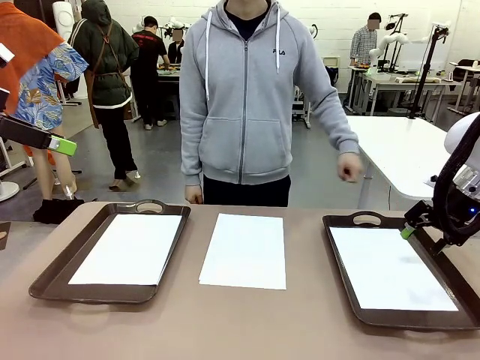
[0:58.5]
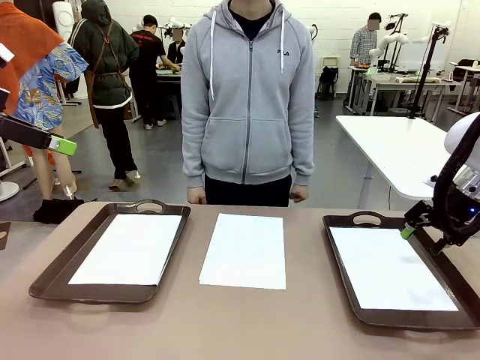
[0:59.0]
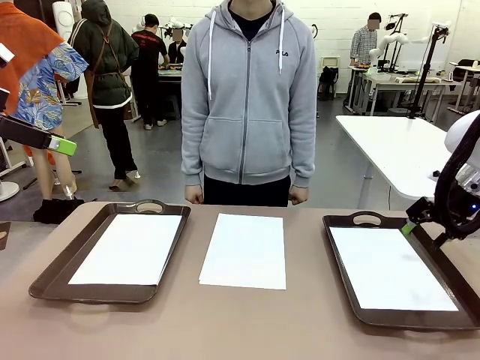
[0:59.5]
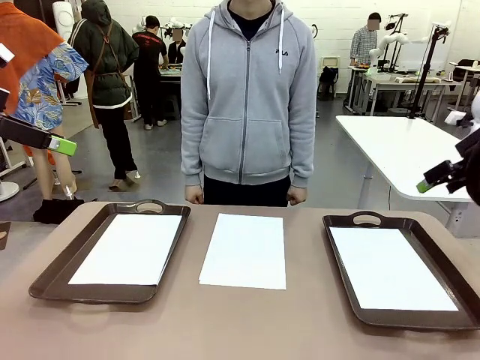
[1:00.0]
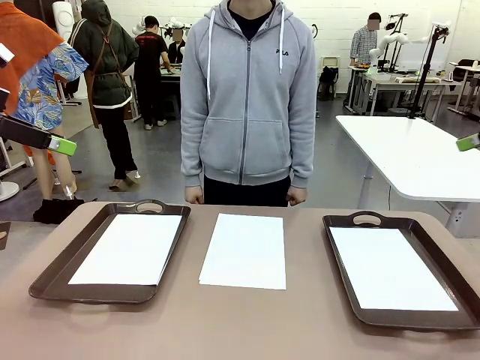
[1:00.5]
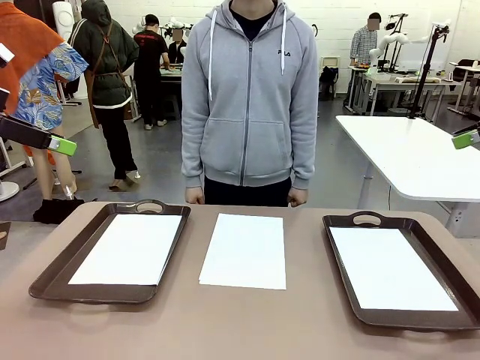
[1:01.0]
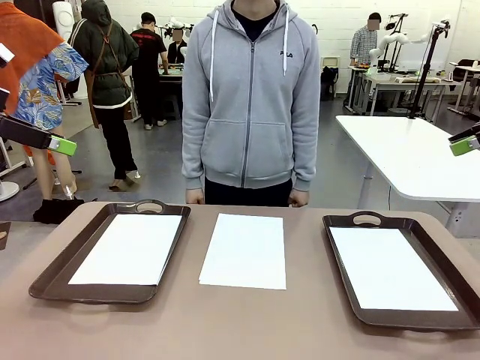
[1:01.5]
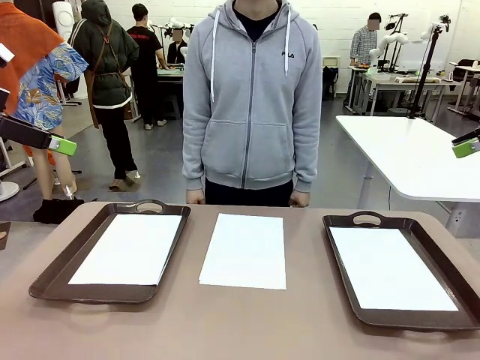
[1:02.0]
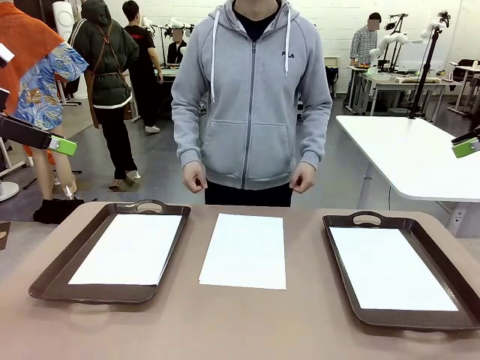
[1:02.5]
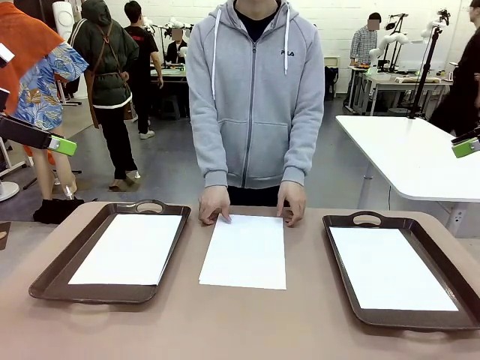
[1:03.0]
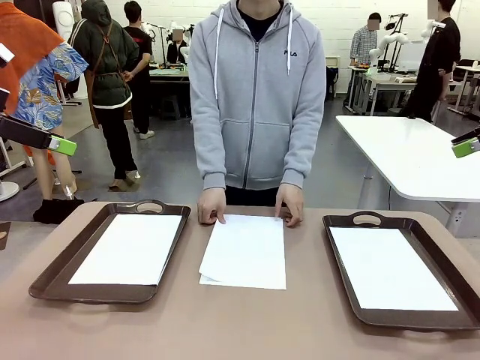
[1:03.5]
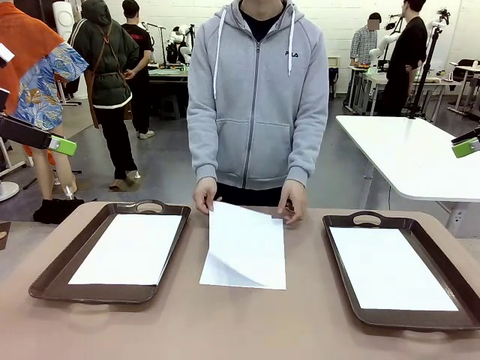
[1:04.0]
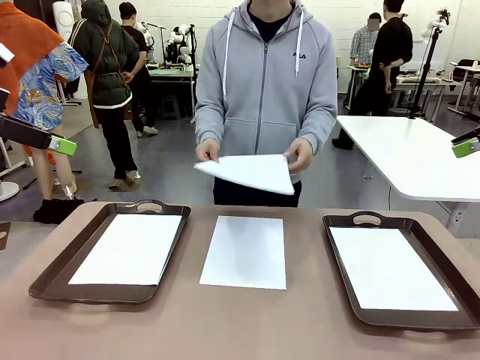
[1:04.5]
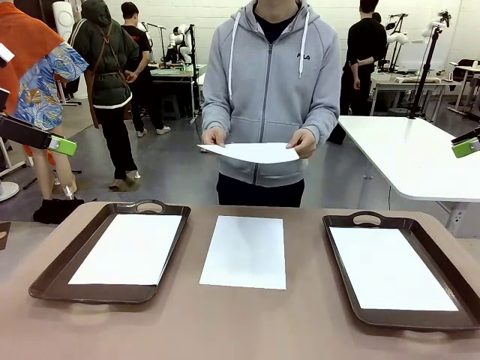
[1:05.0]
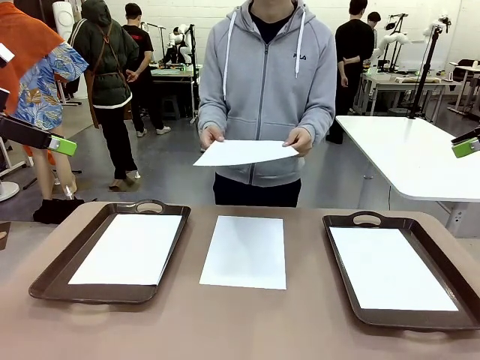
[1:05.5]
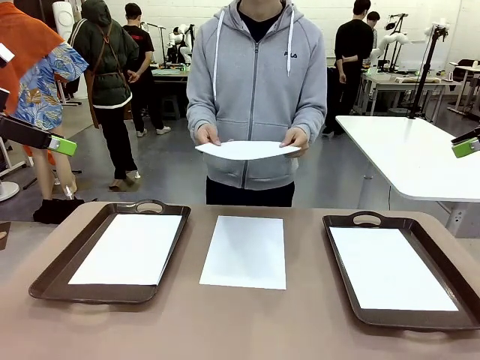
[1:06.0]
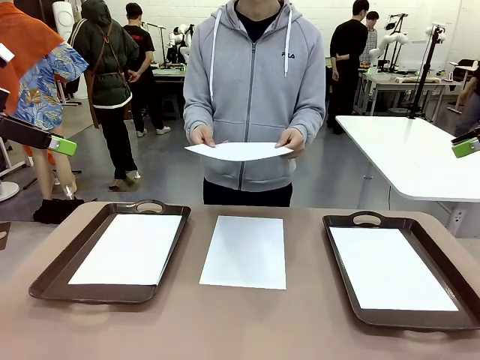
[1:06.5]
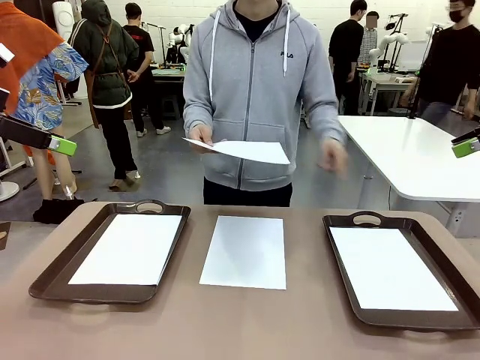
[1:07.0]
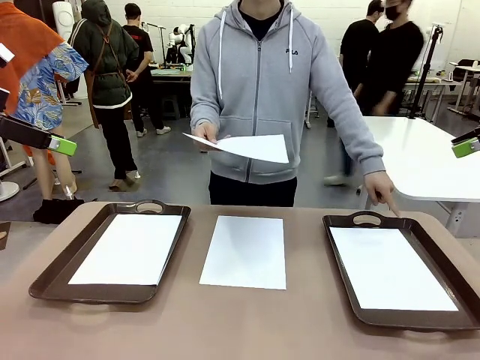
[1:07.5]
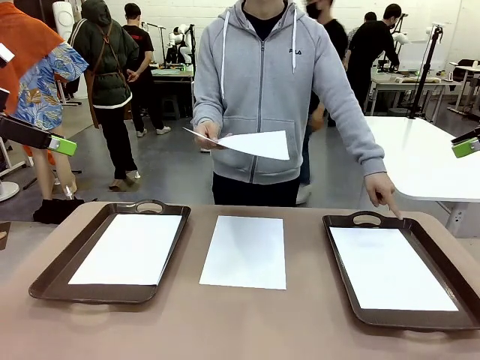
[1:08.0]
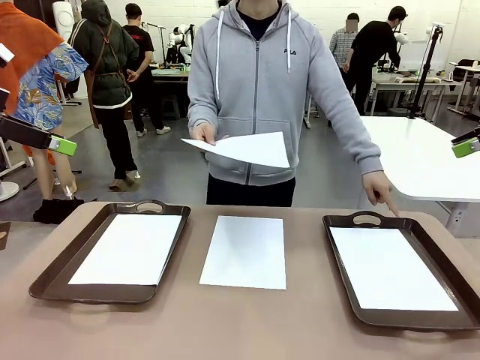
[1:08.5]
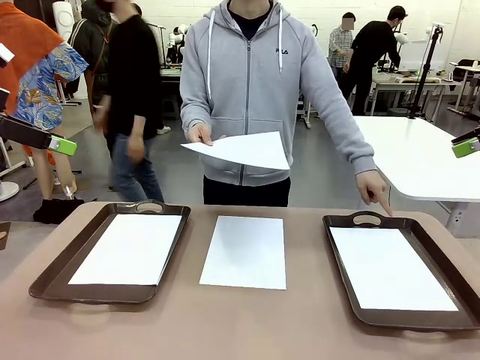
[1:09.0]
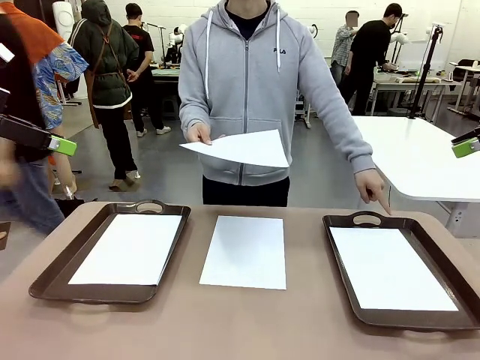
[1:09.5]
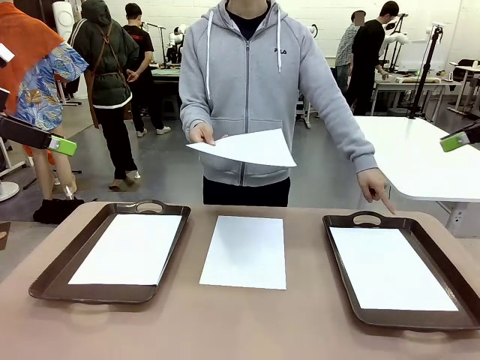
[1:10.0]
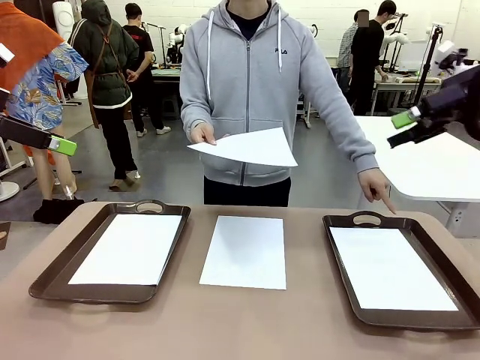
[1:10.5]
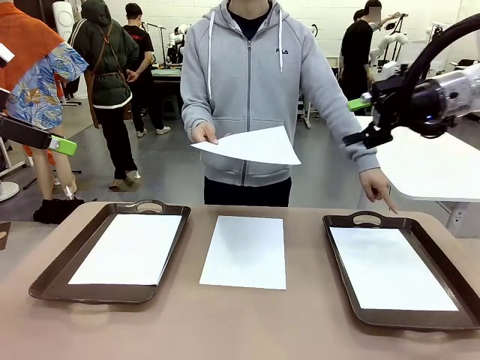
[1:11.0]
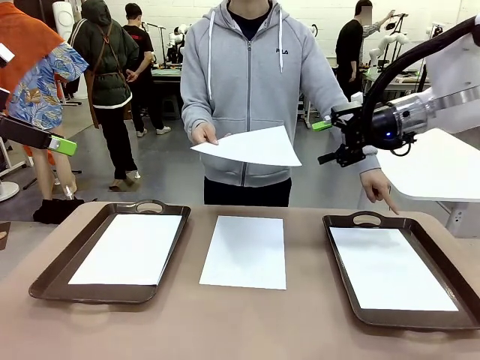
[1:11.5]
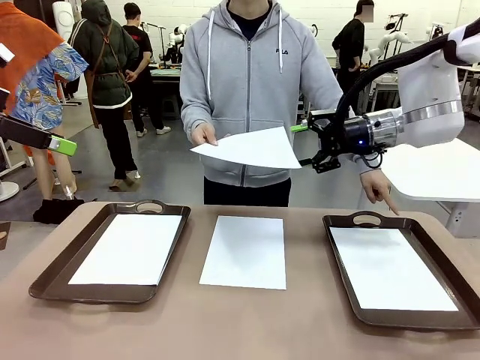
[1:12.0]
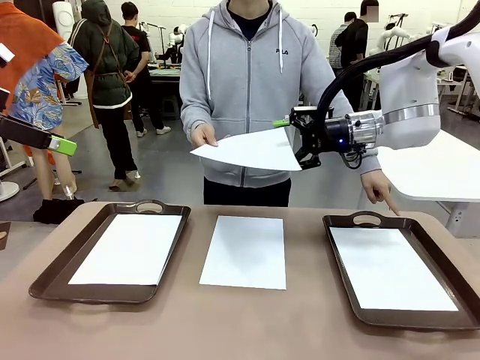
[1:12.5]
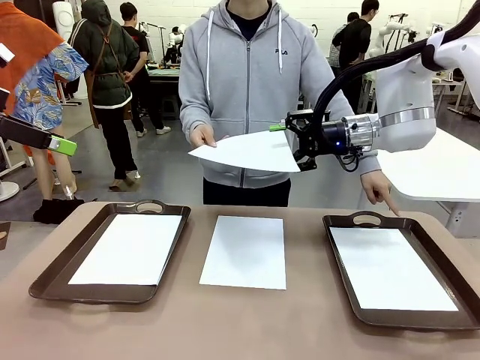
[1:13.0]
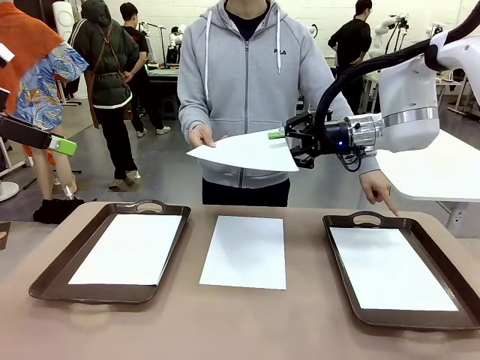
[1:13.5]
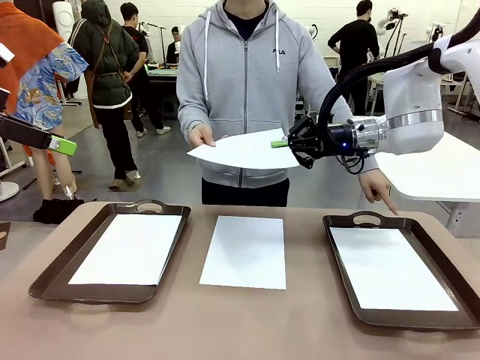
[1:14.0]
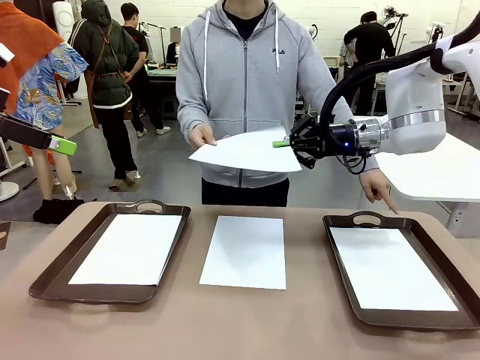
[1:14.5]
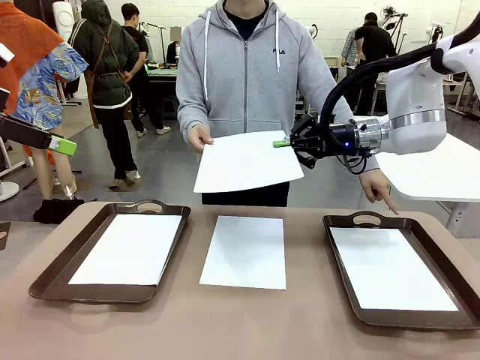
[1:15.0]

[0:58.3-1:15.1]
Task: Sort the A4 documents.
Robot: Receive the A4 Paper.
Person: Point the randomly selected tray with the other hand.

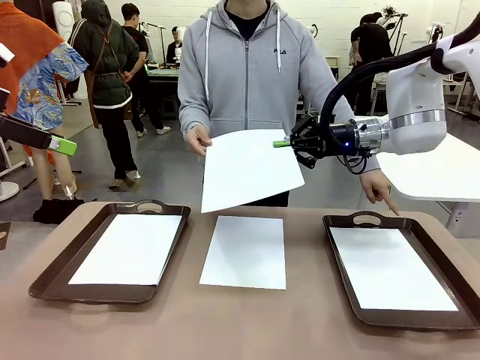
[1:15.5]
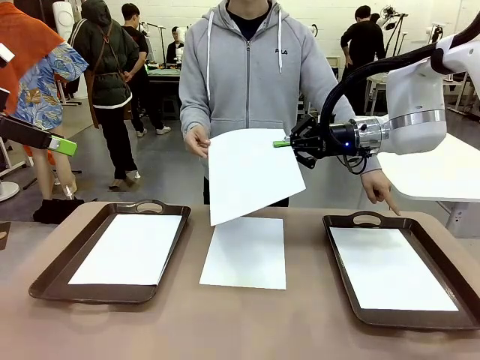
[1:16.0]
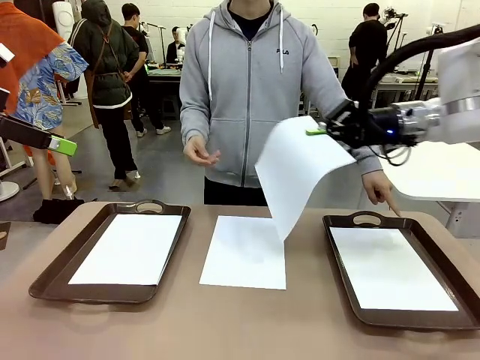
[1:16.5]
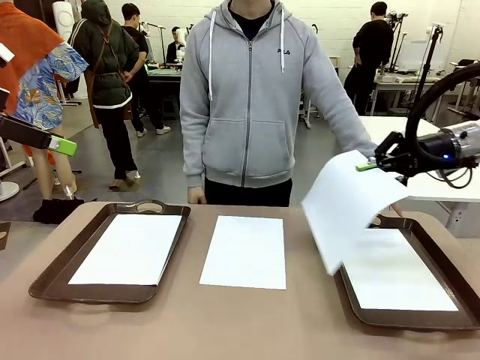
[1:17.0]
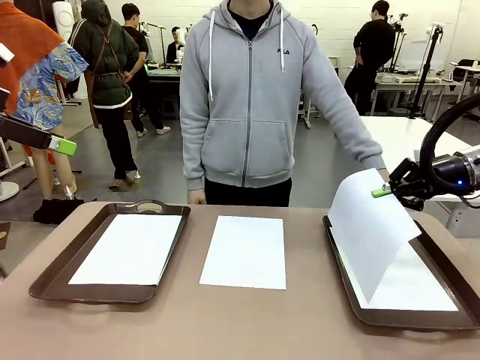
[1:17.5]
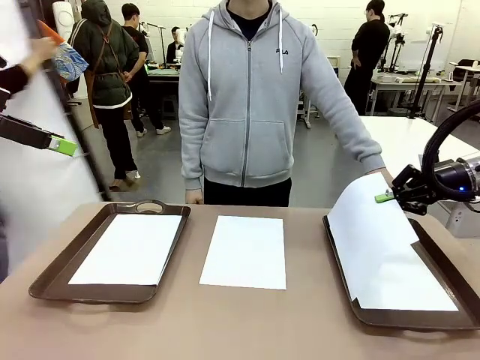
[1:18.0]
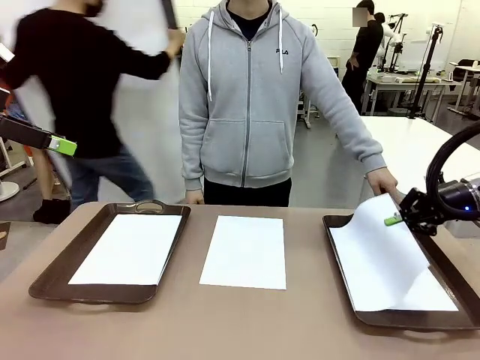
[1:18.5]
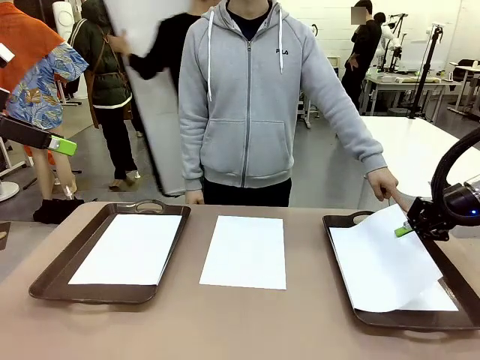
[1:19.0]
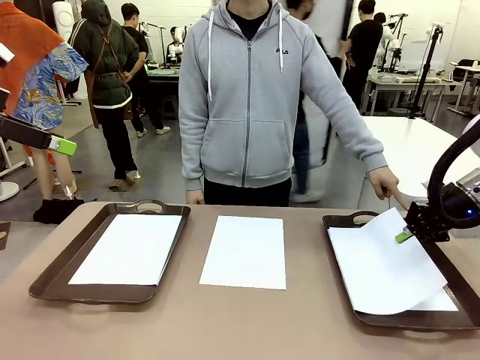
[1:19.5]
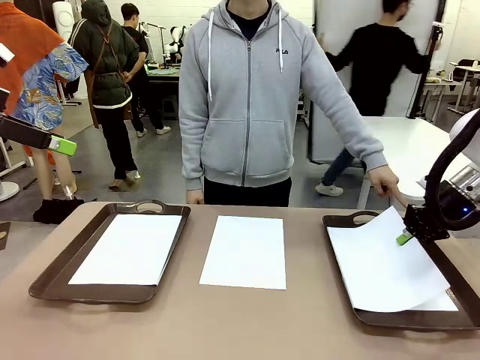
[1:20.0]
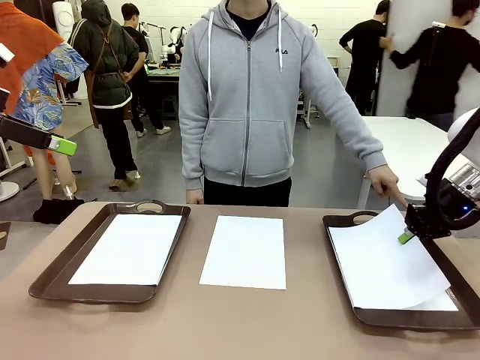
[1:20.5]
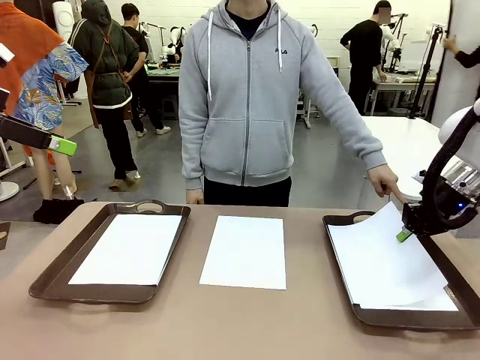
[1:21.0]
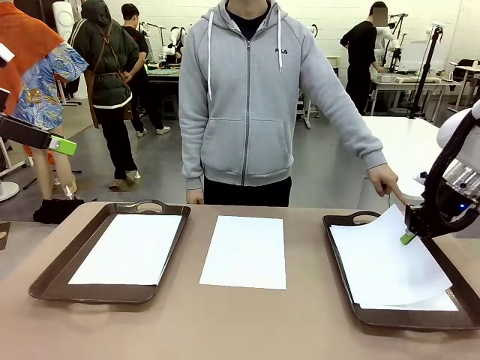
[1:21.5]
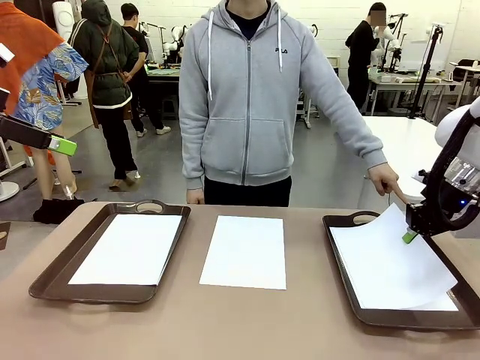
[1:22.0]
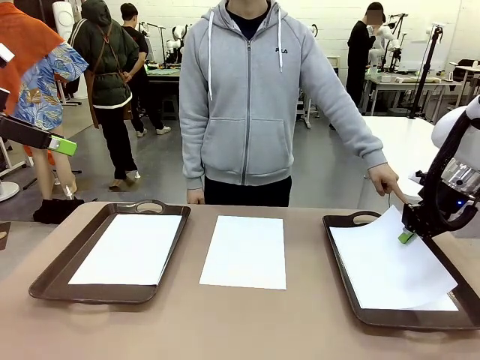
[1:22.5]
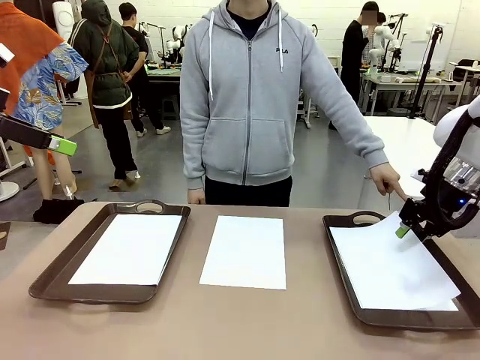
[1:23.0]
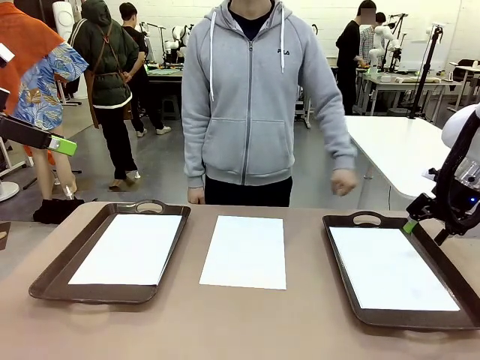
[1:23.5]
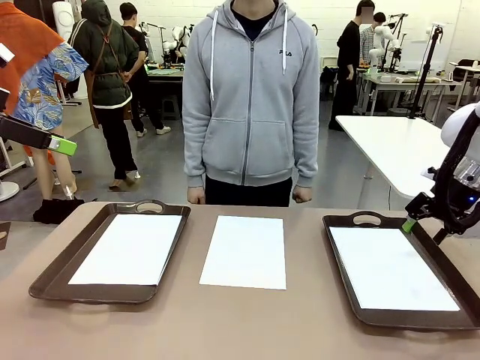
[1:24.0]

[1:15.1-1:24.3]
Robot: Place the A4 Paper in the designated Handle tray.
